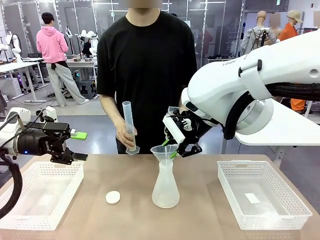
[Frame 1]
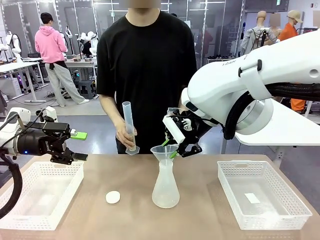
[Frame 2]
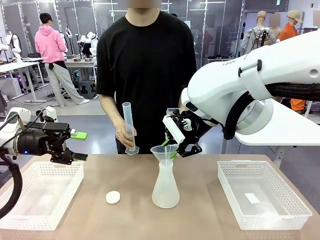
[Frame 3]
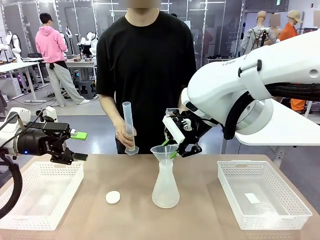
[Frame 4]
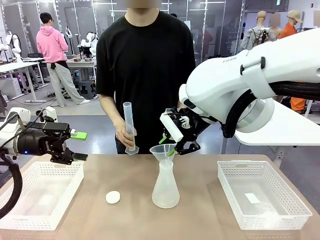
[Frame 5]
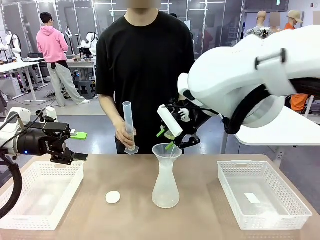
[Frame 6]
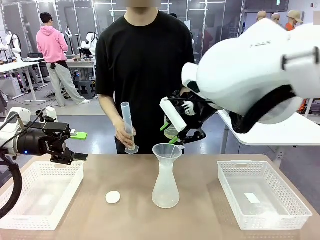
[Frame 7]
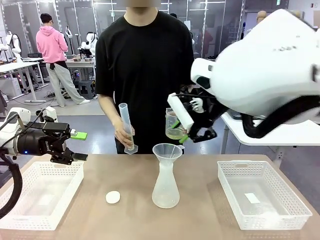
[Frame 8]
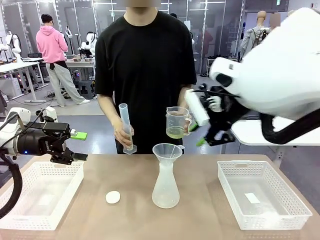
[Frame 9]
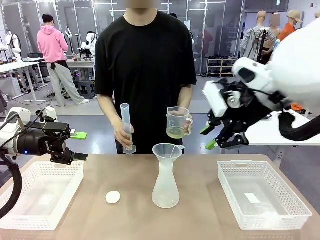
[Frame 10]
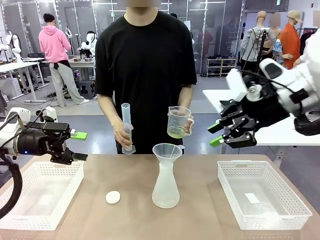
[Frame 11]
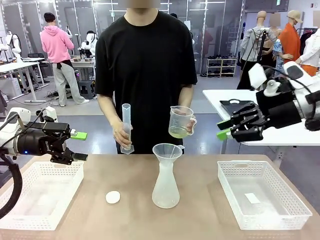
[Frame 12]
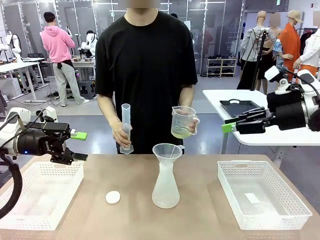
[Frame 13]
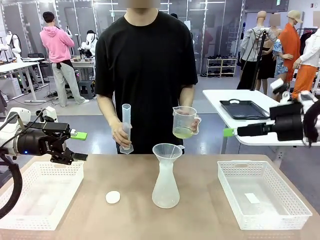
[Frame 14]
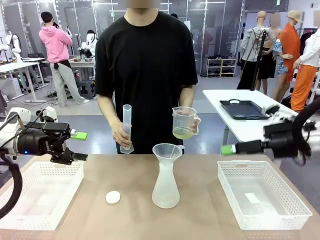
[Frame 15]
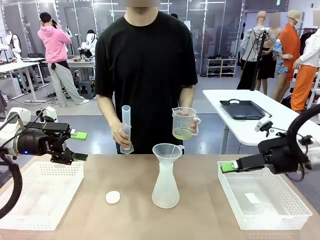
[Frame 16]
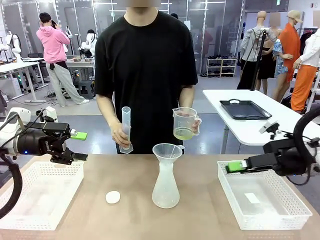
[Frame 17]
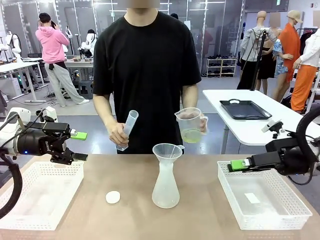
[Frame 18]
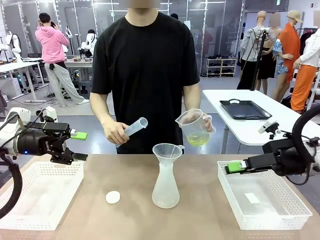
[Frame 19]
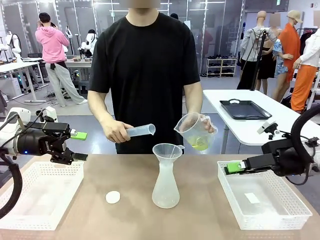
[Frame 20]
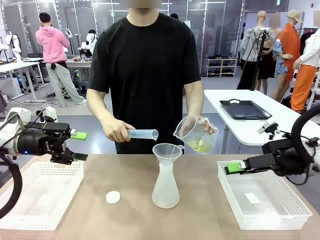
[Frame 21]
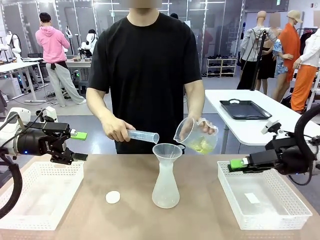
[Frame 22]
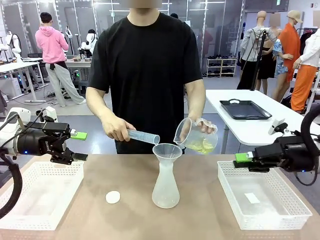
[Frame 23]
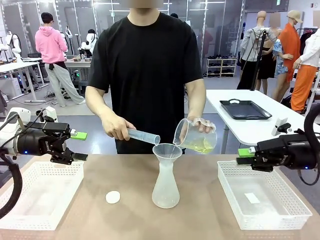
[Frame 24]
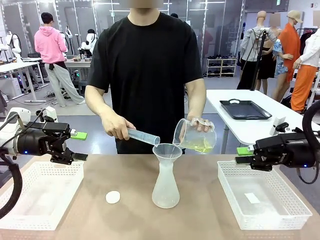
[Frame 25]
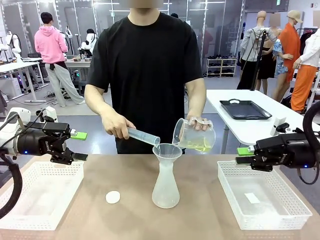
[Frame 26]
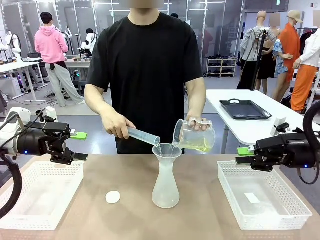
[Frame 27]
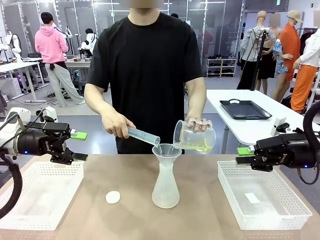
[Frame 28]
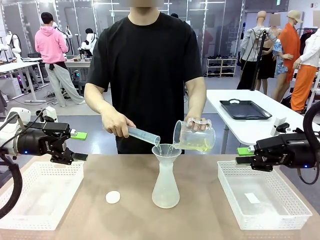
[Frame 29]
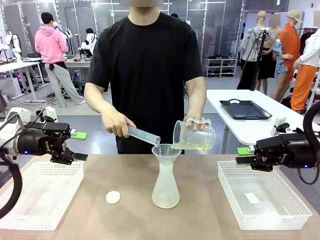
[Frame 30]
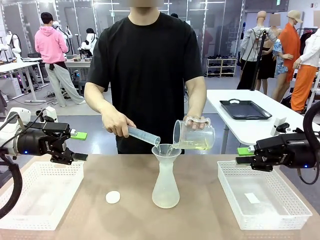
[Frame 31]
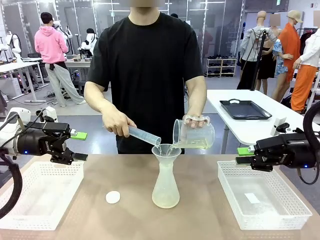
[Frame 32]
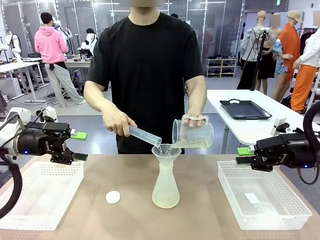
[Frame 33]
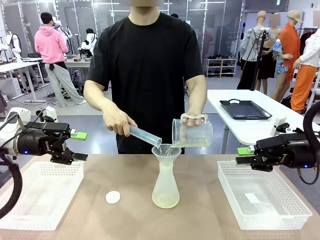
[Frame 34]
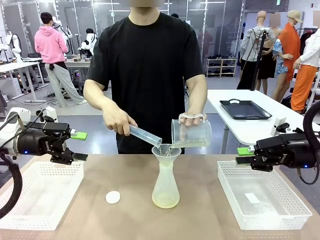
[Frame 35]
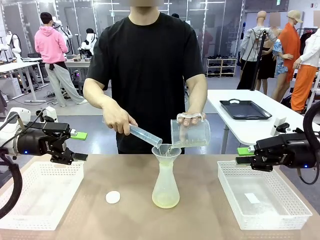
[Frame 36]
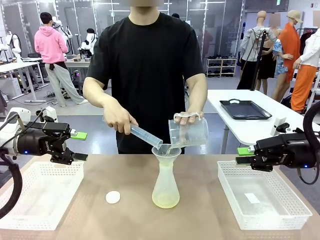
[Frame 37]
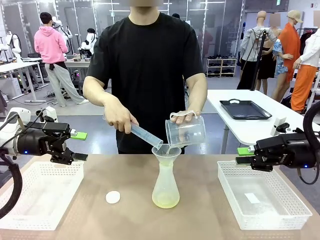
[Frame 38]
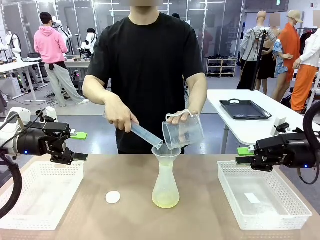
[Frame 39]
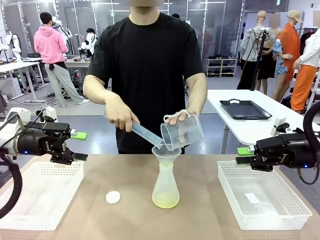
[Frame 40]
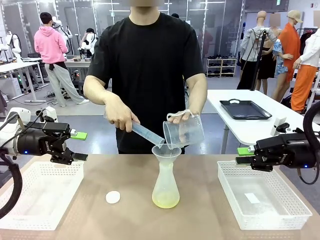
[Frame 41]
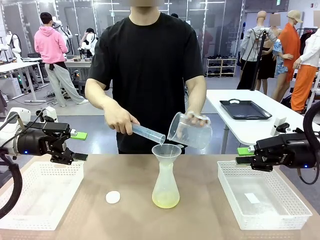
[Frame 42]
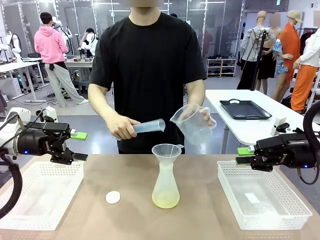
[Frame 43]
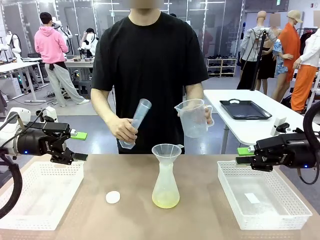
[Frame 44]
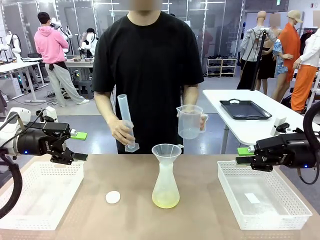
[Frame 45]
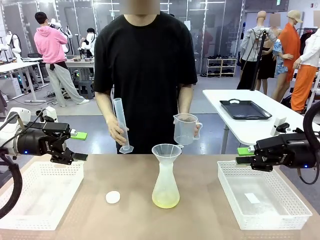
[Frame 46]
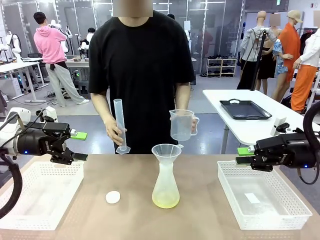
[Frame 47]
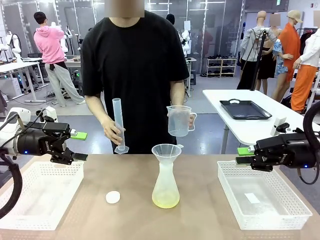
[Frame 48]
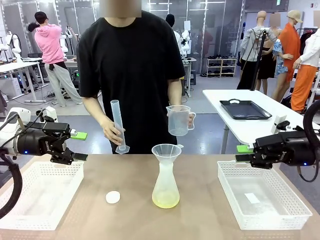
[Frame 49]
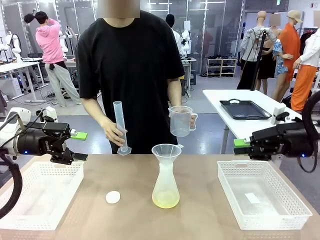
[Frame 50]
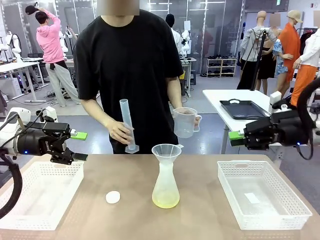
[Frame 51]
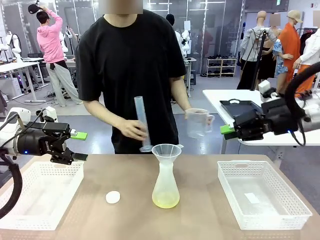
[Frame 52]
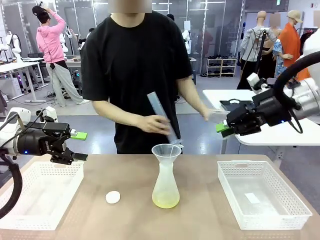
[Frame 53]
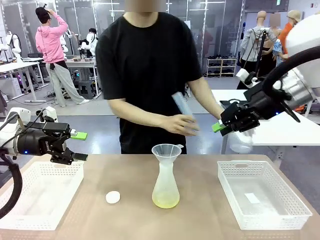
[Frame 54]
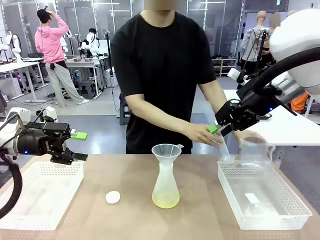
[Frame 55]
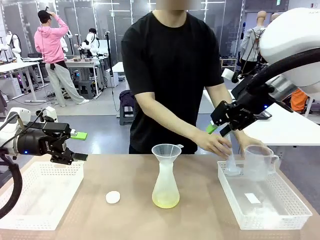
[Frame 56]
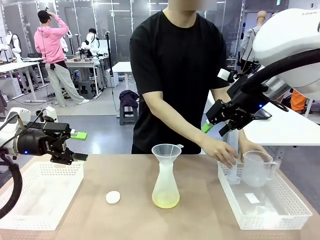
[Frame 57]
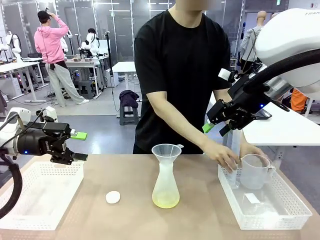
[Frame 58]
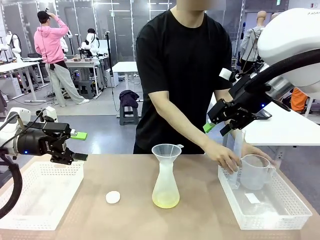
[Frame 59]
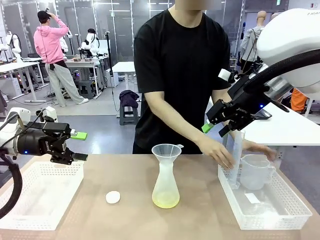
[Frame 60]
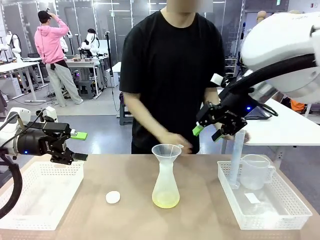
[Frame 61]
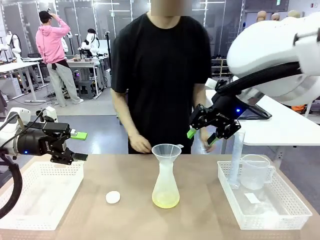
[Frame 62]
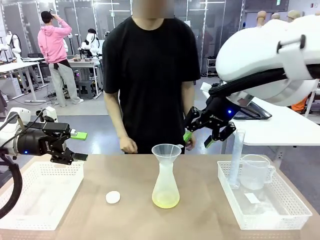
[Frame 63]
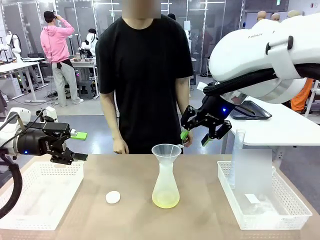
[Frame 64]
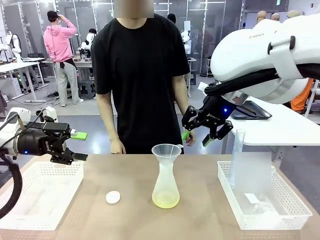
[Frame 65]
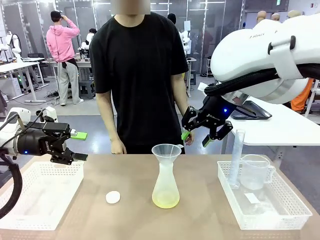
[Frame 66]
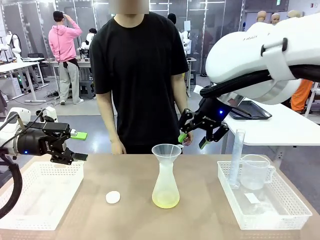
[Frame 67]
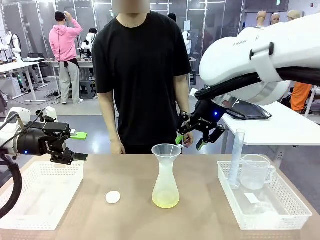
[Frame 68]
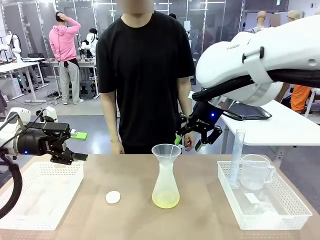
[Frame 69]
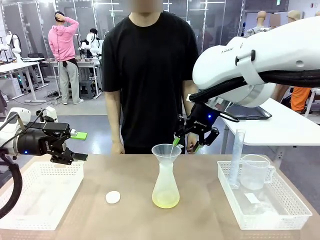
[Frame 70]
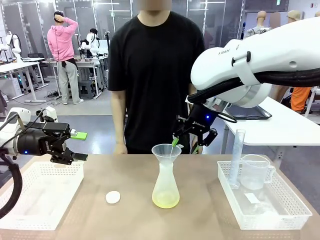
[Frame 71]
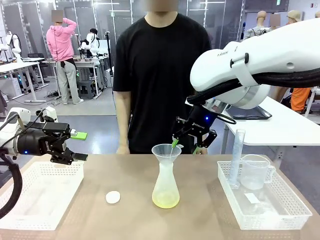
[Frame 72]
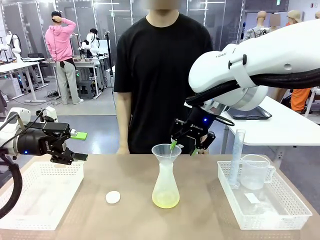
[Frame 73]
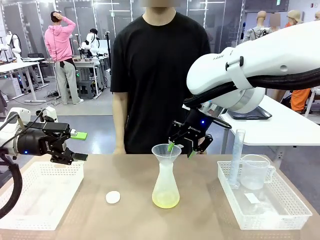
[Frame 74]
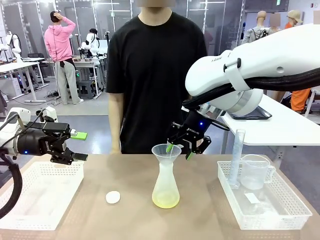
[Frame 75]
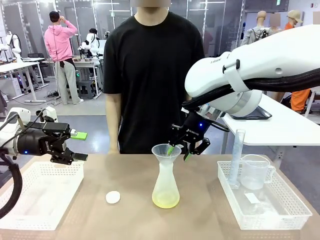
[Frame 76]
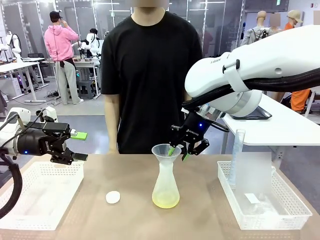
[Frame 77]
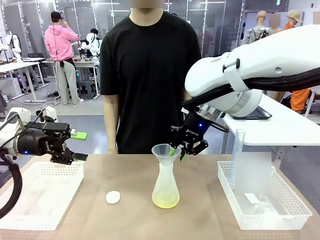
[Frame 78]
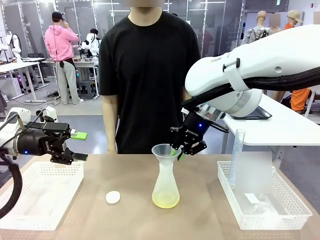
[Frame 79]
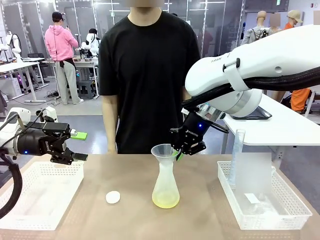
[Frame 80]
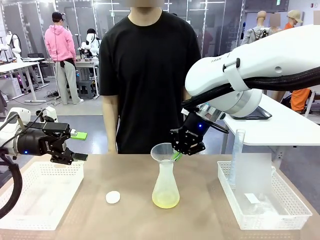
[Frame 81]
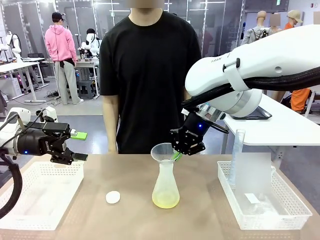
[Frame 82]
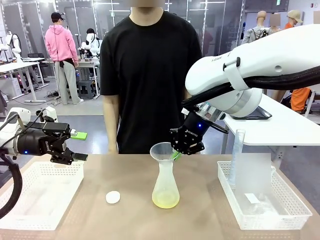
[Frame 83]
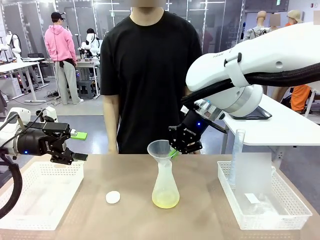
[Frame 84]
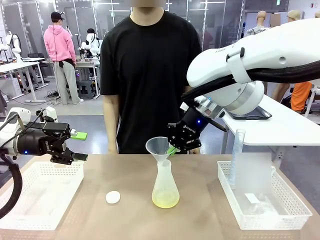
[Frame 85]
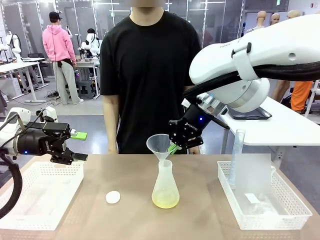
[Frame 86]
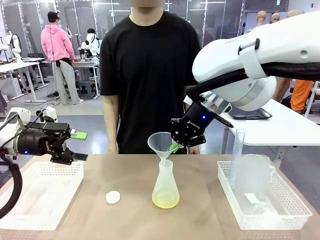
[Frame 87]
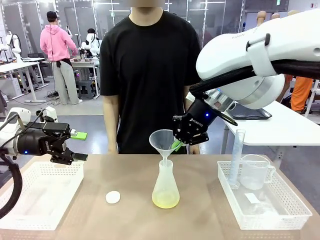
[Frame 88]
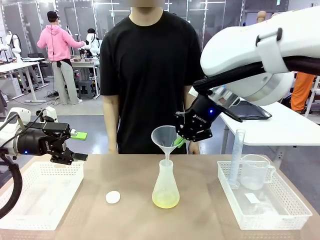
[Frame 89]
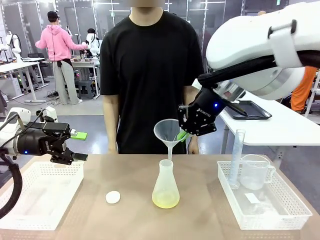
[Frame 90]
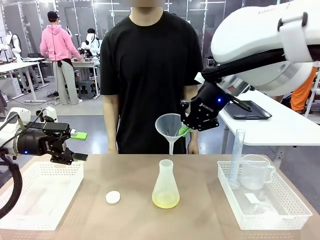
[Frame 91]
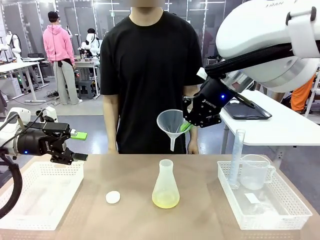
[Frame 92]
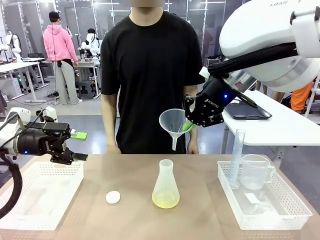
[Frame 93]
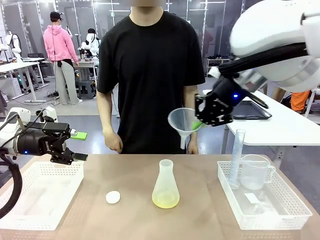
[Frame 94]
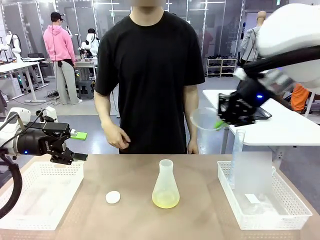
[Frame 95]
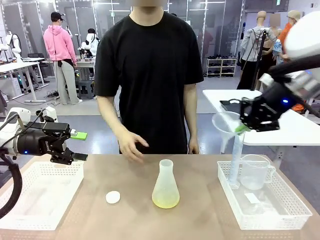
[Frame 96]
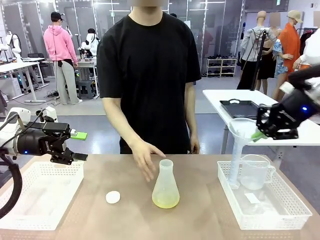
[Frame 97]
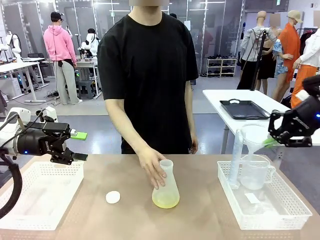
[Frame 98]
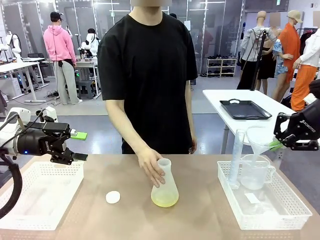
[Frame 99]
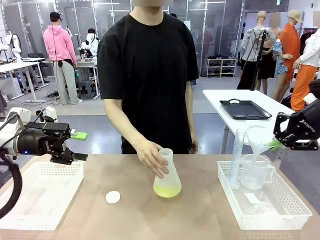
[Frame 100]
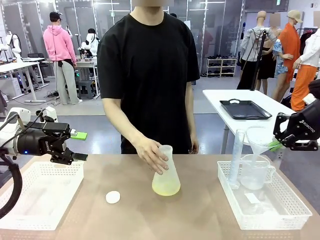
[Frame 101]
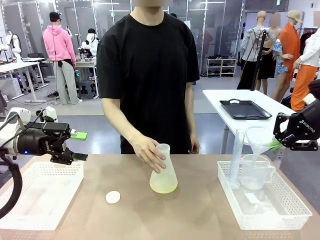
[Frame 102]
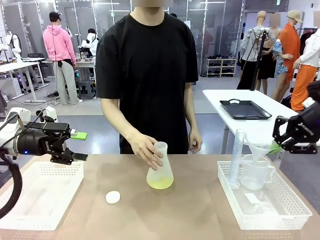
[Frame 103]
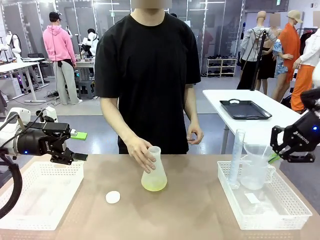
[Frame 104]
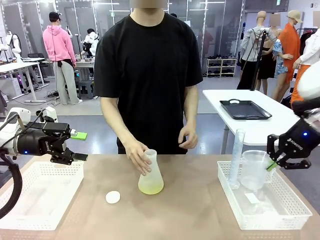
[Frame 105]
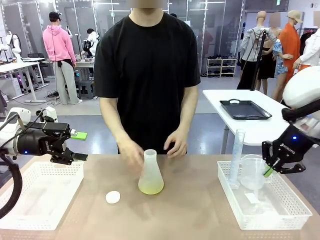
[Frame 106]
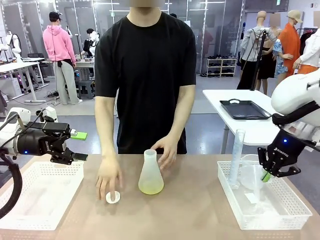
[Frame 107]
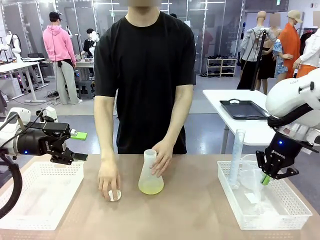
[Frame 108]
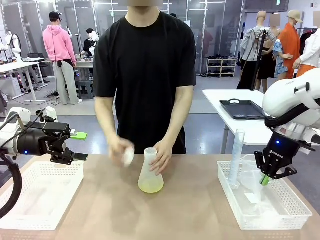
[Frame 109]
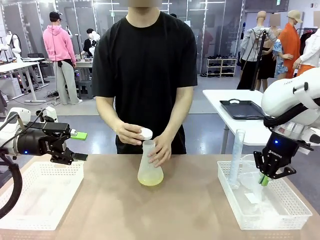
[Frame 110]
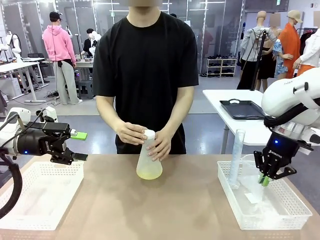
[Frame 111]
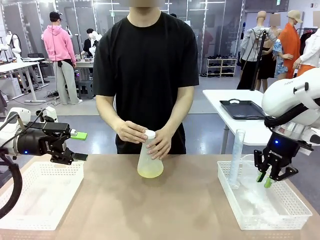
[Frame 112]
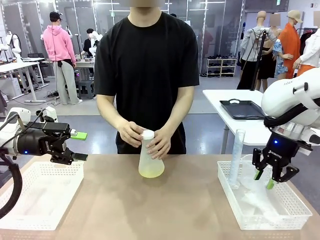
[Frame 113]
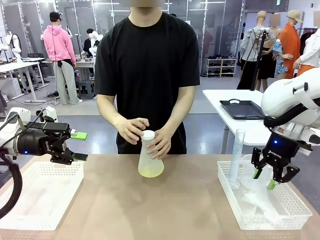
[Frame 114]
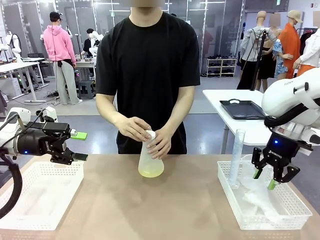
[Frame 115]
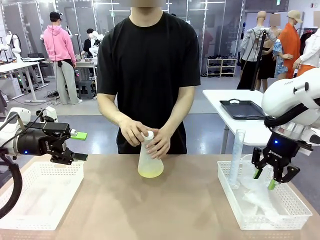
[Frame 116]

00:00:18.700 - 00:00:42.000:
Task: Prepare the solutions needed for the experiment.
Robot: Once the solution is in the Big flask , pick up the Plastic Funnel and place it back into the right Organizing basket.
Person: Place the beaker and the cylinder into the organizing basket on the left side. Pick up the flask, gently shake it 2–3 times, place it in the middle of the robot table, and close the lid.
